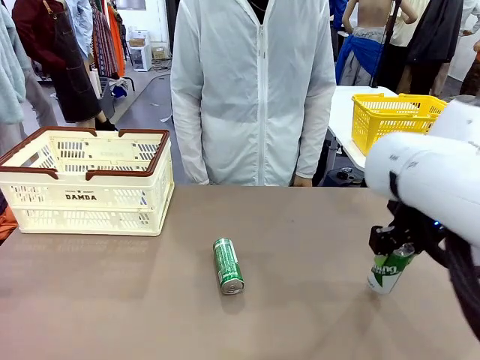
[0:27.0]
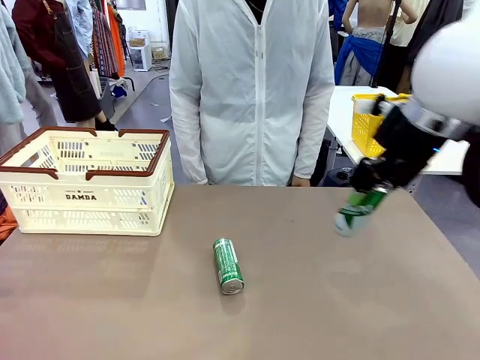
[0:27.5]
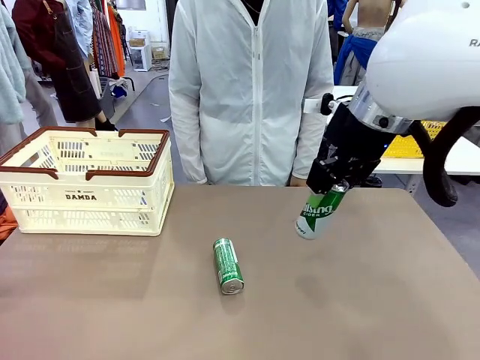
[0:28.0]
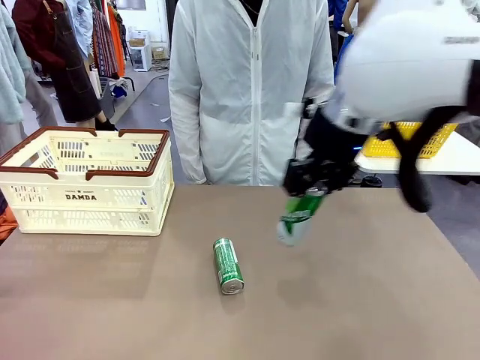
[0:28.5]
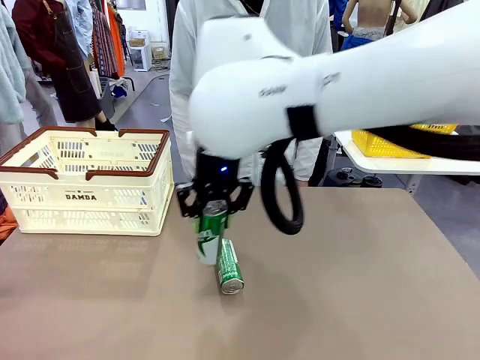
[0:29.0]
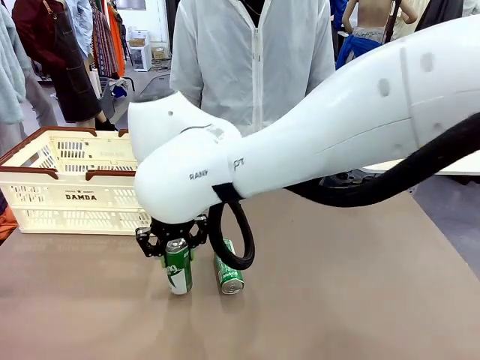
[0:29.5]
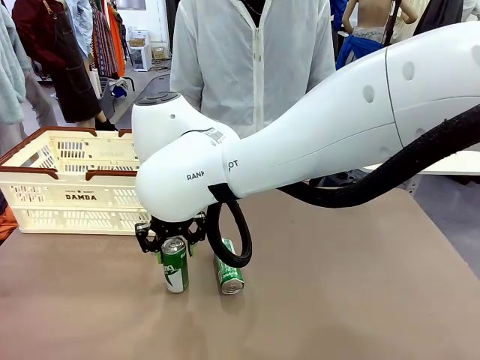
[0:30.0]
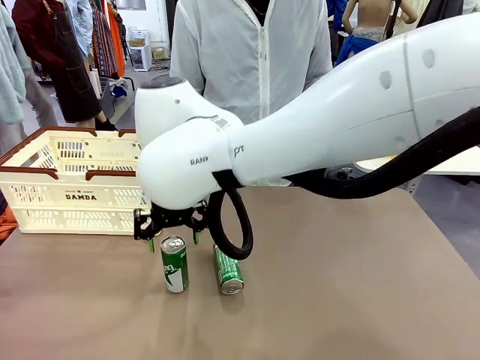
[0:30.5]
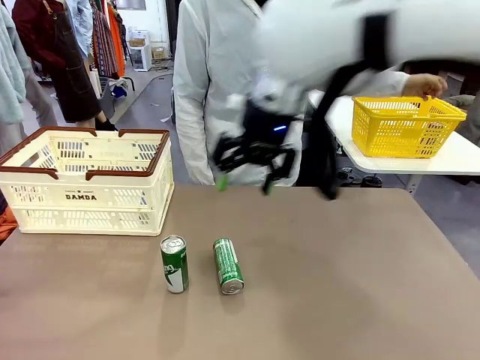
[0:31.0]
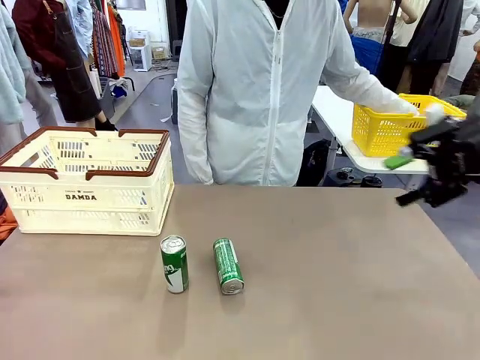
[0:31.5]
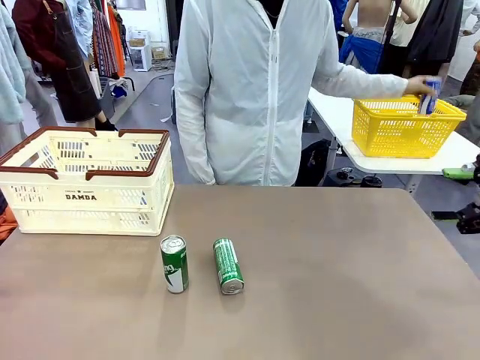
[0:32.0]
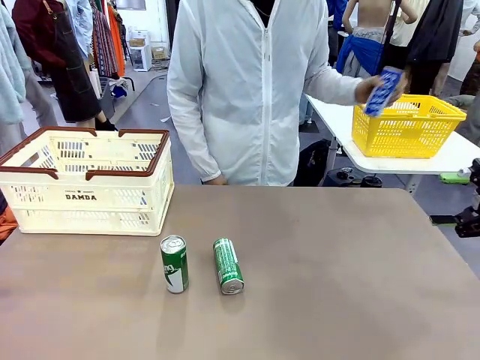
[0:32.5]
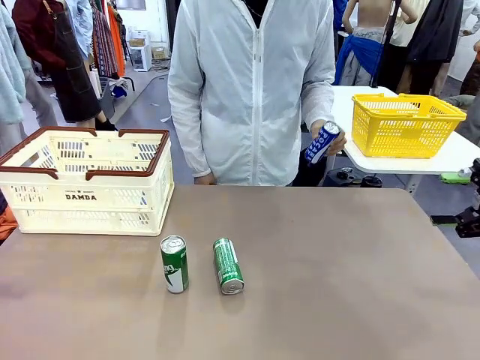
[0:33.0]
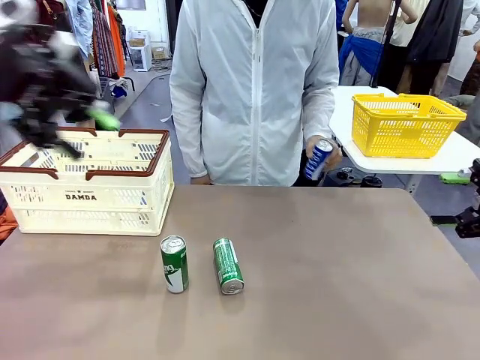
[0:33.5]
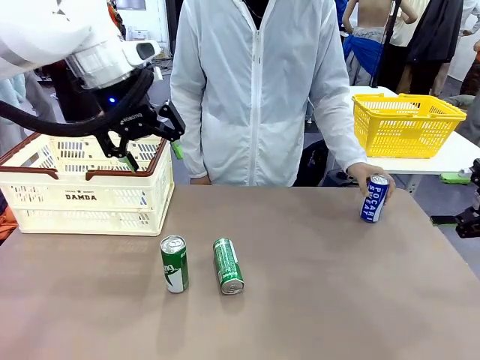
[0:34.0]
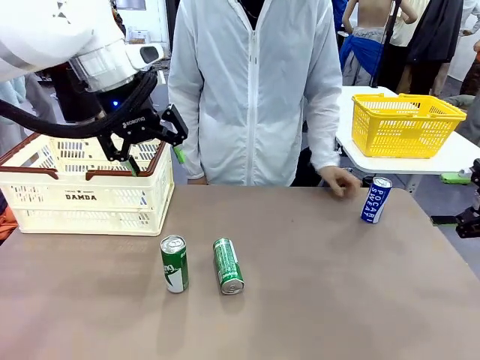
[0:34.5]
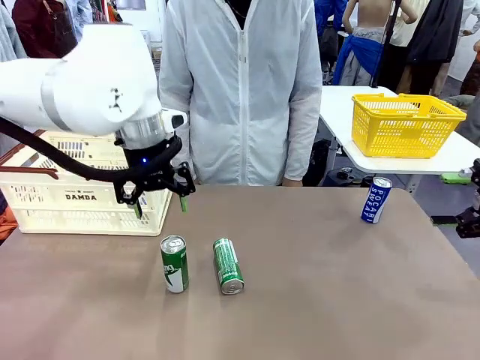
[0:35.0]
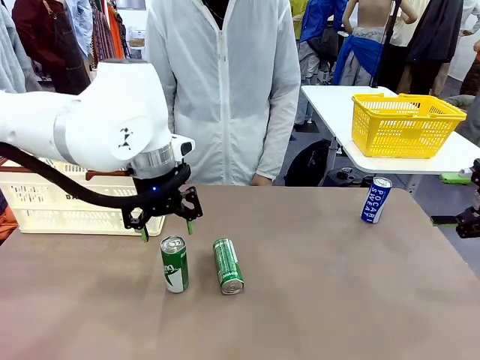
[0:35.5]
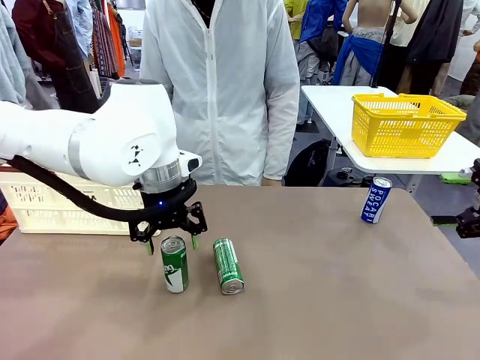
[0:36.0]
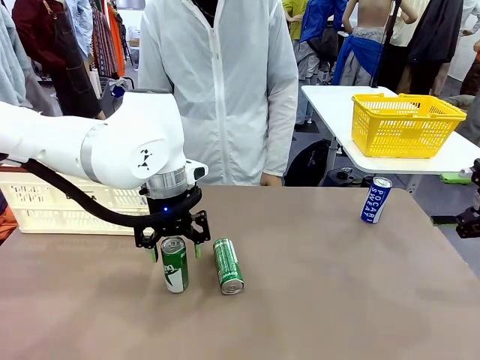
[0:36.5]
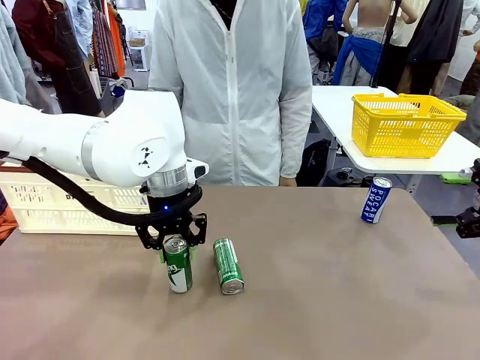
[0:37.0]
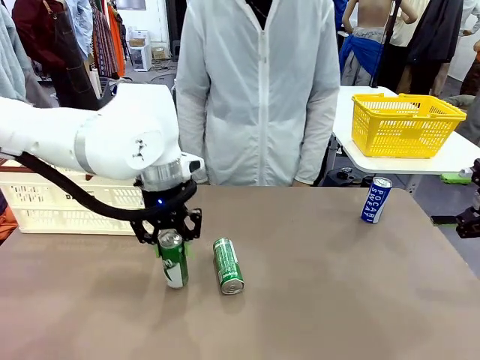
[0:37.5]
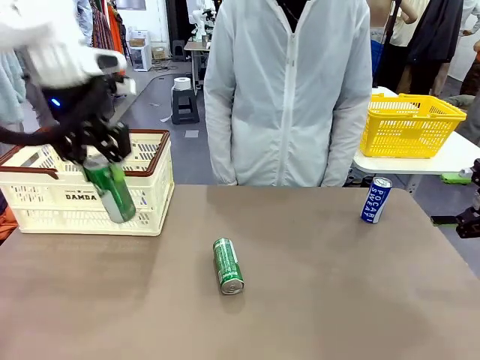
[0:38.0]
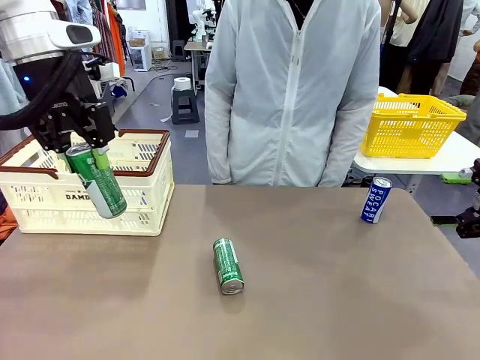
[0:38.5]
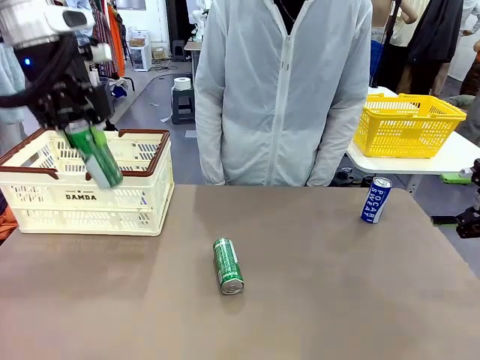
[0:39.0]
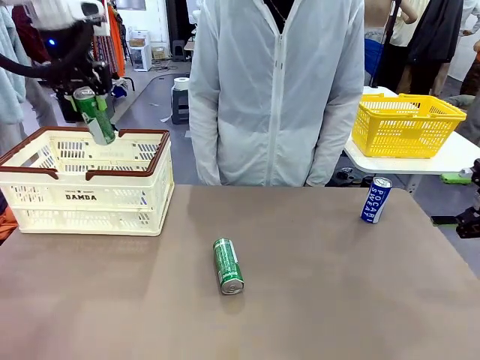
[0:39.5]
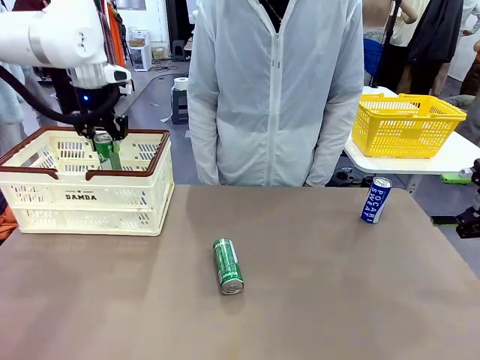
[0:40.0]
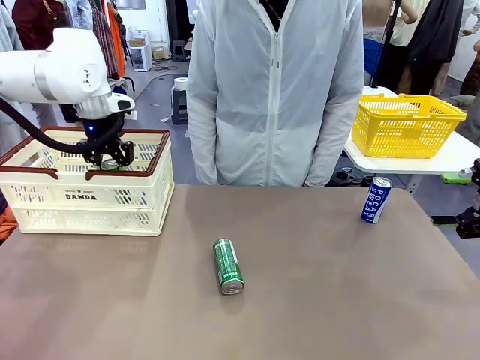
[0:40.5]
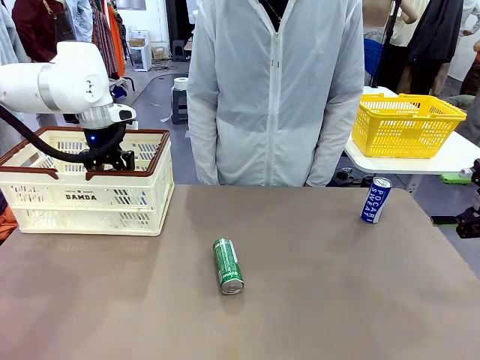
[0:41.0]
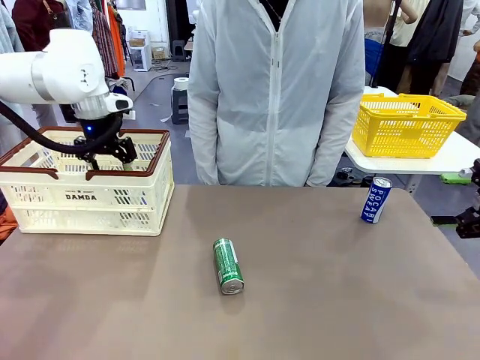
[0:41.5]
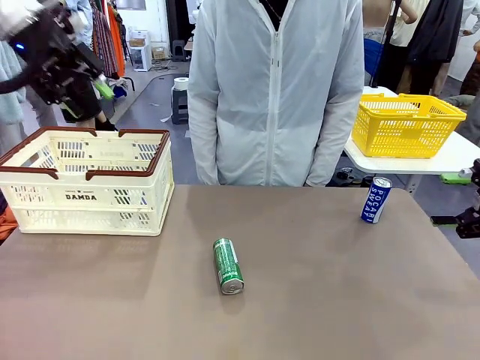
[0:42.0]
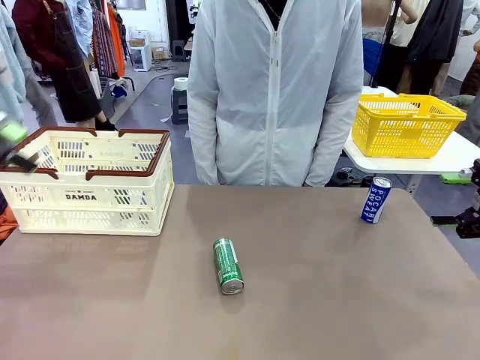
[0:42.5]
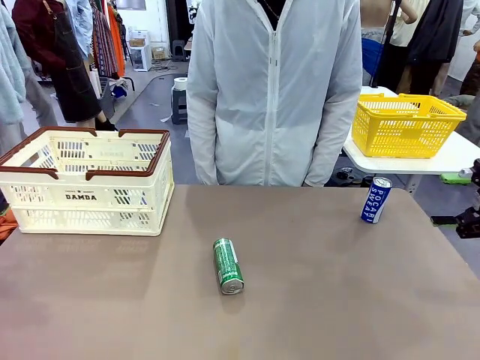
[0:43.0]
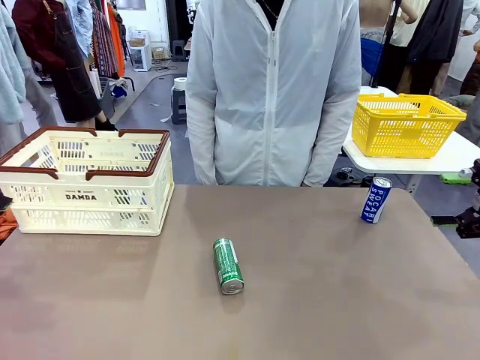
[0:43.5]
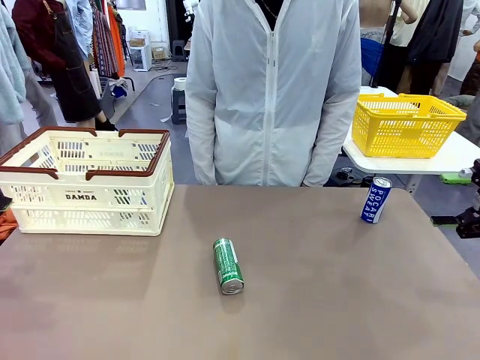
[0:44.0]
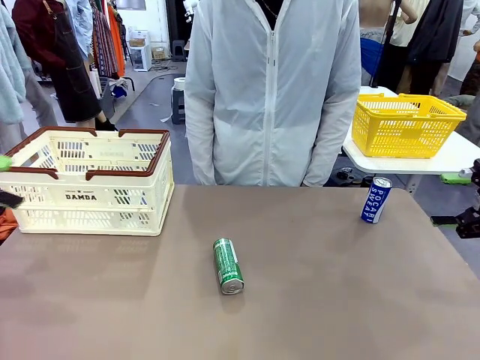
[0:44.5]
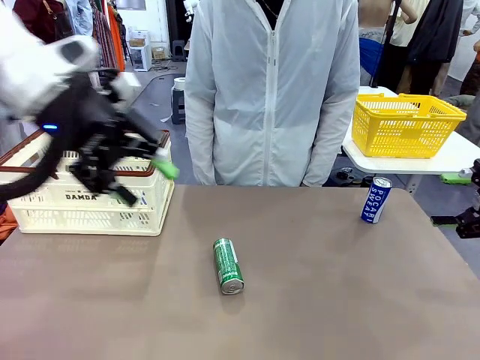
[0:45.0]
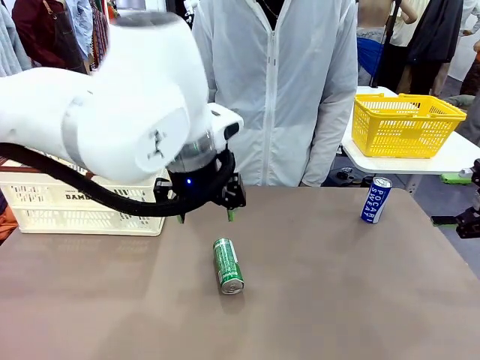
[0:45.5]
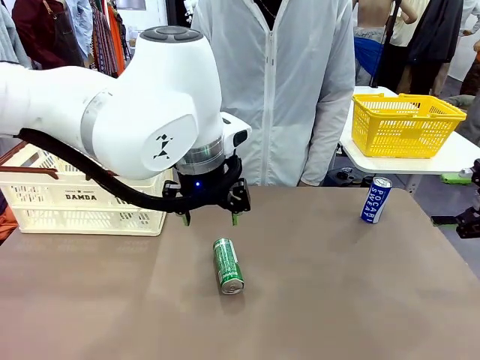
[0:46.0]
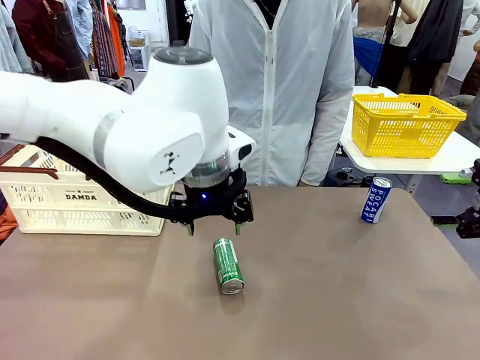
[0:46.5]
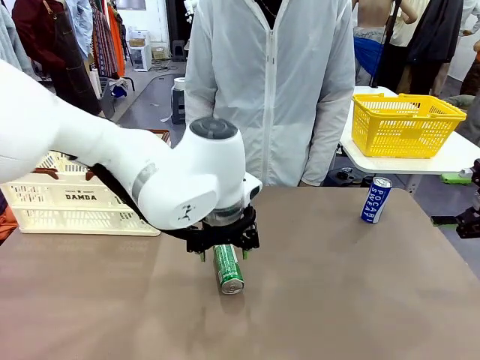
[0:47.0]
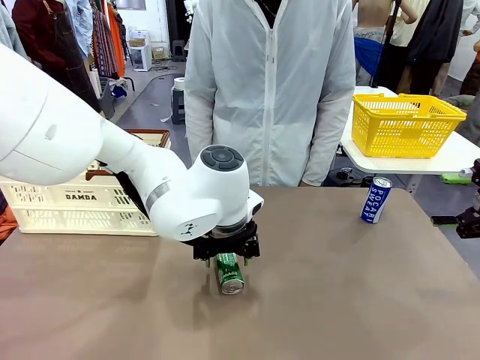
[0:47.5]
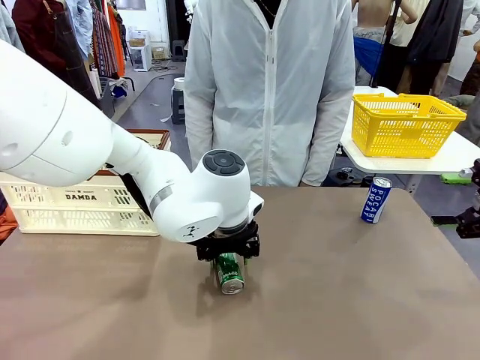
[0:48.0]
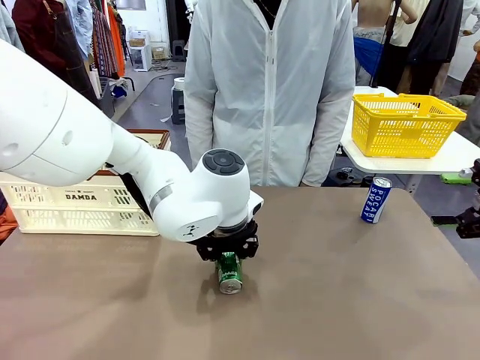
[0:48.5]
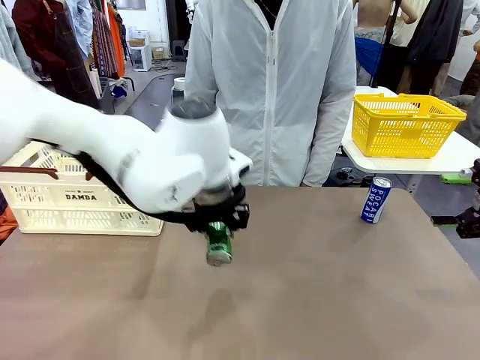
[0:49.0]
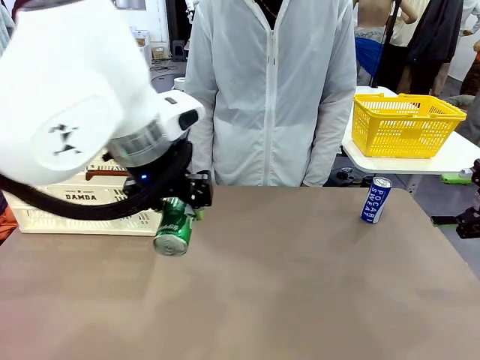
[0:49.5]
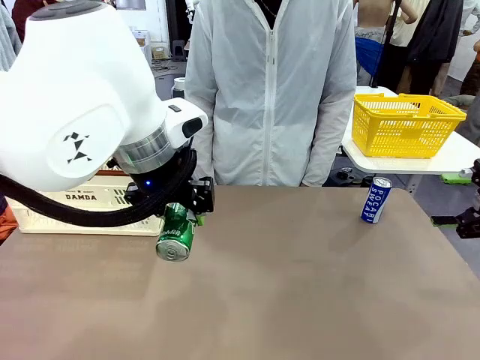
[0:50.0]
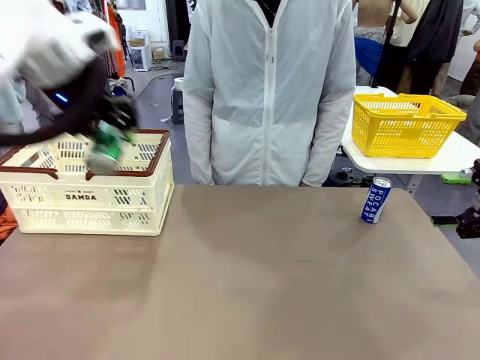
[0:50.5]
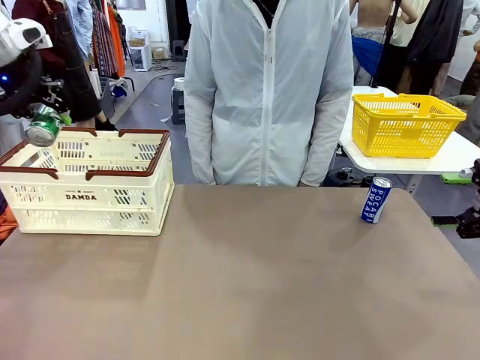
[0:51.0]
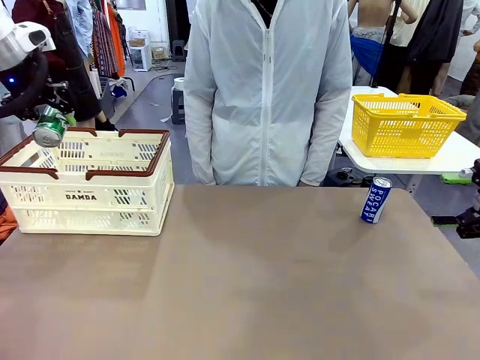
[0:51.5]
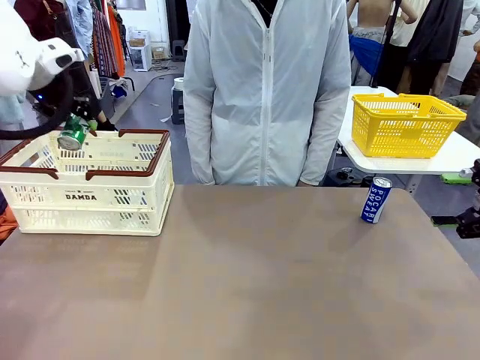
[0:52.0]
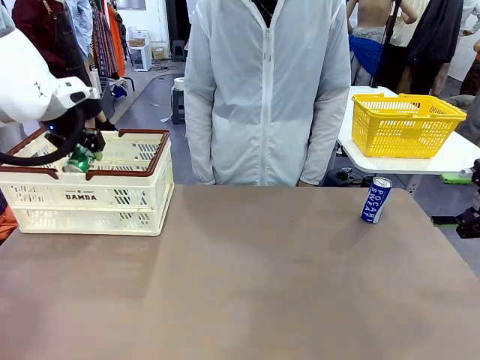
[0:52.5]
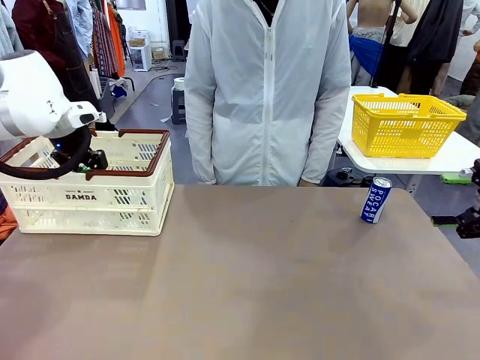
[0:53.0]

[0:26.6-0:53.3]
Task: Place the drinks into the Shopping basket.
Robot: Pick up one drink and place it into the Shopping basket.
